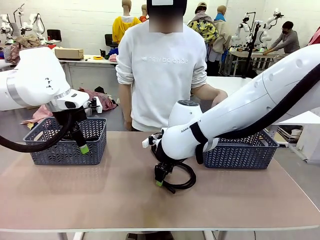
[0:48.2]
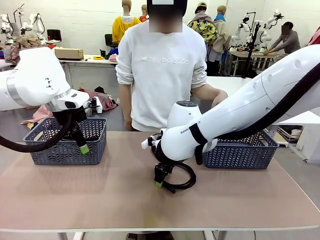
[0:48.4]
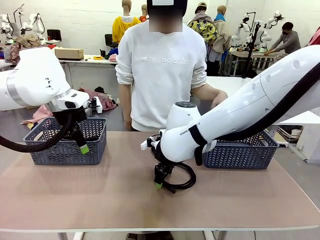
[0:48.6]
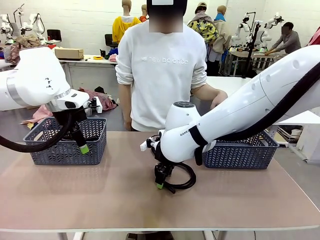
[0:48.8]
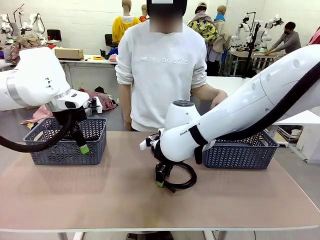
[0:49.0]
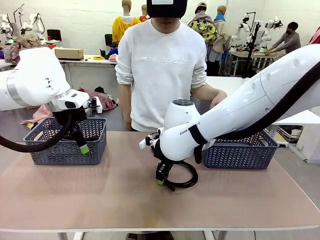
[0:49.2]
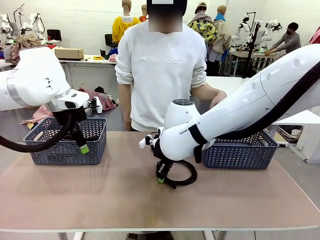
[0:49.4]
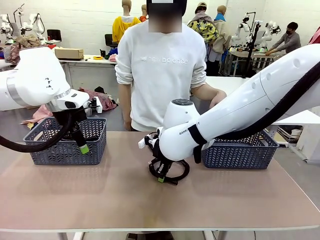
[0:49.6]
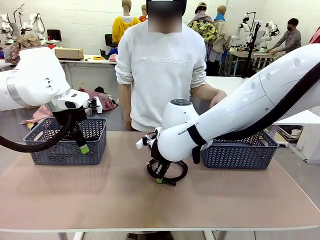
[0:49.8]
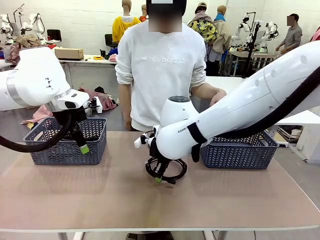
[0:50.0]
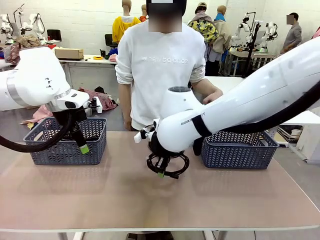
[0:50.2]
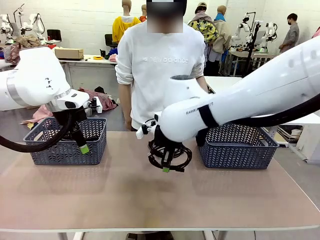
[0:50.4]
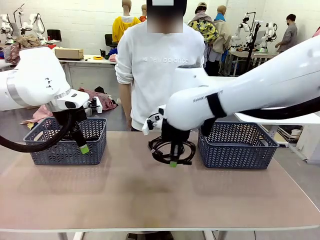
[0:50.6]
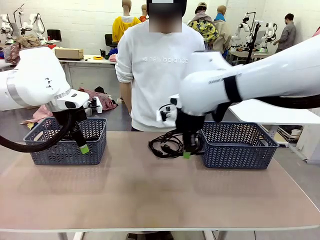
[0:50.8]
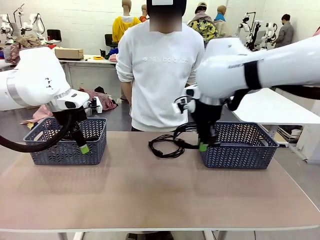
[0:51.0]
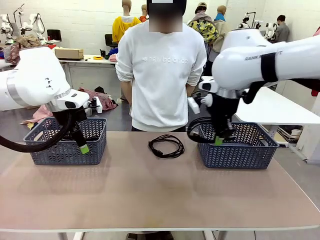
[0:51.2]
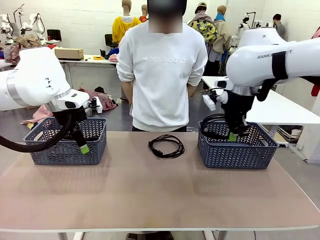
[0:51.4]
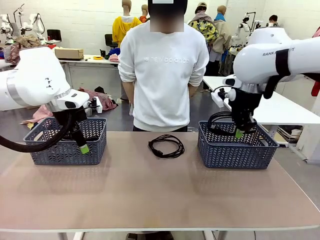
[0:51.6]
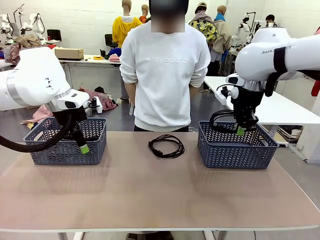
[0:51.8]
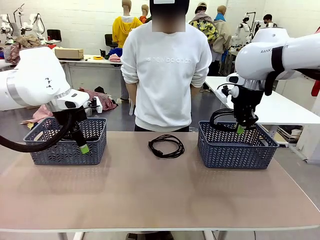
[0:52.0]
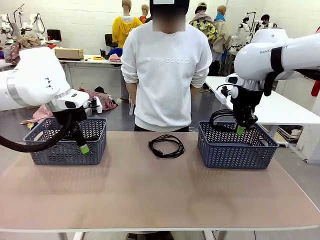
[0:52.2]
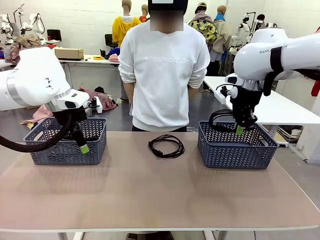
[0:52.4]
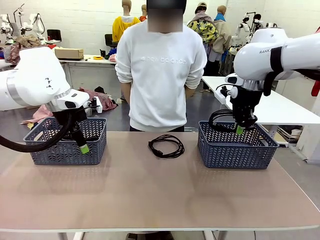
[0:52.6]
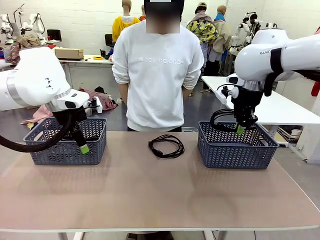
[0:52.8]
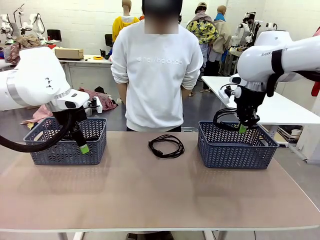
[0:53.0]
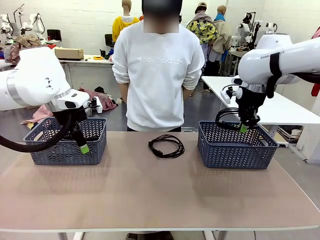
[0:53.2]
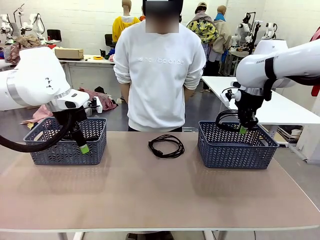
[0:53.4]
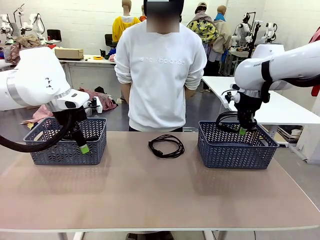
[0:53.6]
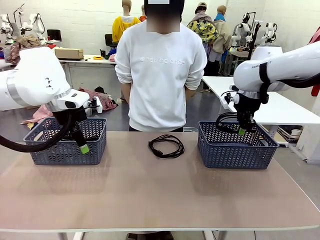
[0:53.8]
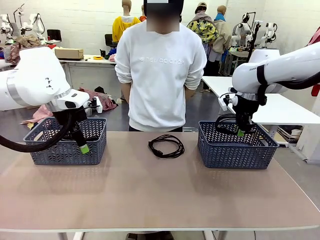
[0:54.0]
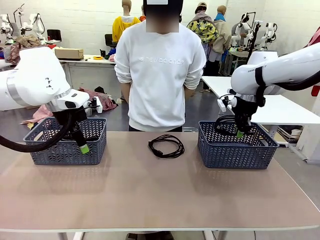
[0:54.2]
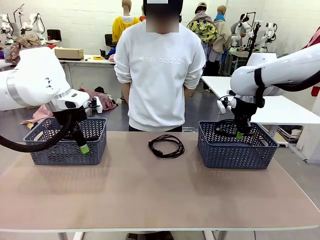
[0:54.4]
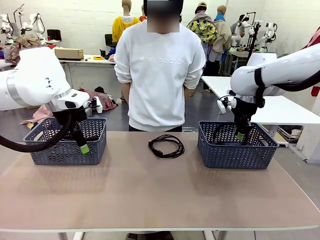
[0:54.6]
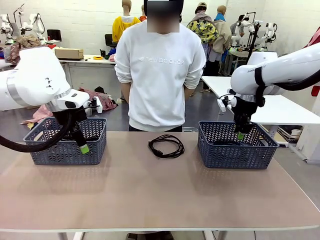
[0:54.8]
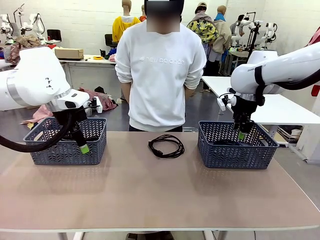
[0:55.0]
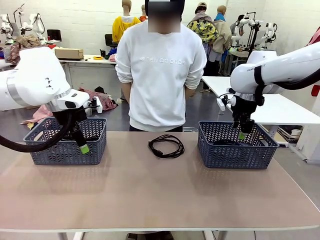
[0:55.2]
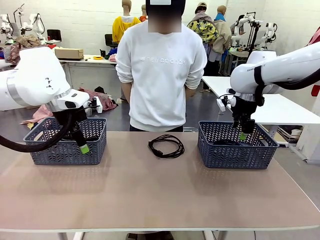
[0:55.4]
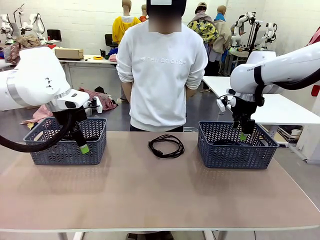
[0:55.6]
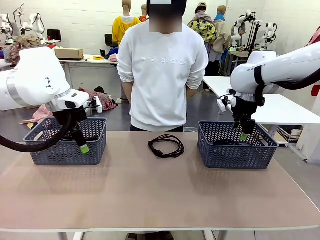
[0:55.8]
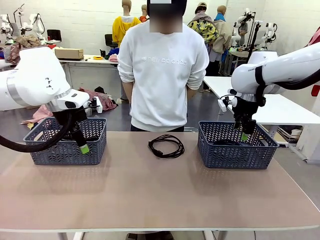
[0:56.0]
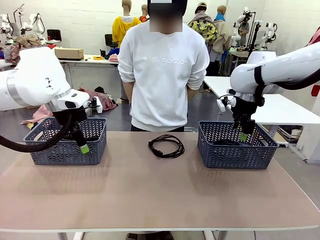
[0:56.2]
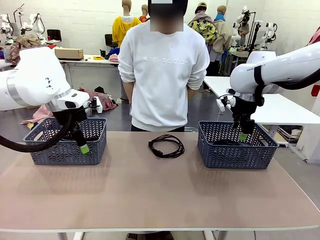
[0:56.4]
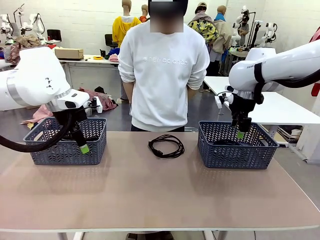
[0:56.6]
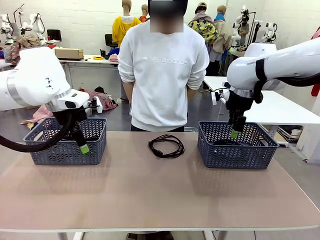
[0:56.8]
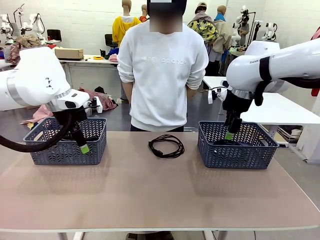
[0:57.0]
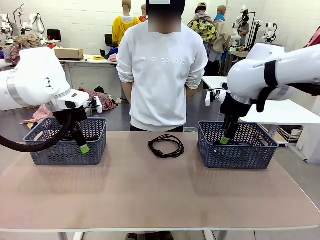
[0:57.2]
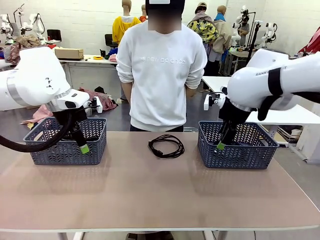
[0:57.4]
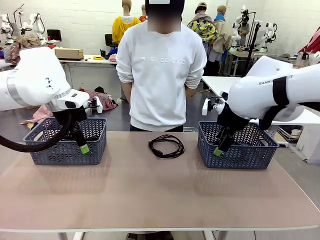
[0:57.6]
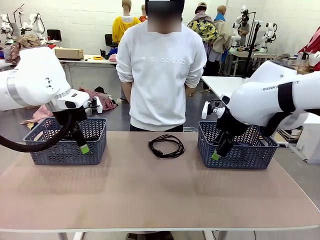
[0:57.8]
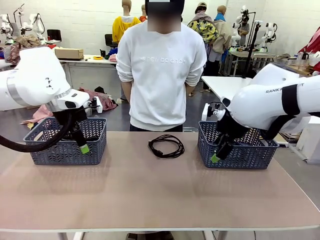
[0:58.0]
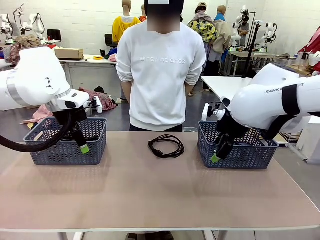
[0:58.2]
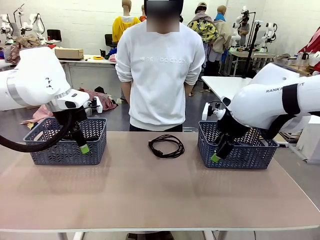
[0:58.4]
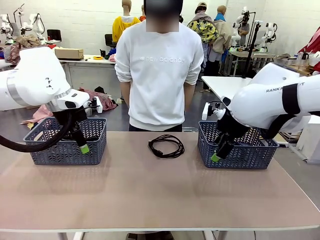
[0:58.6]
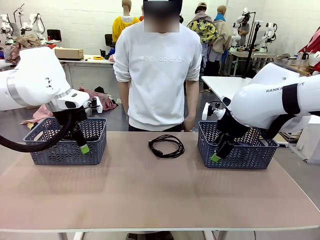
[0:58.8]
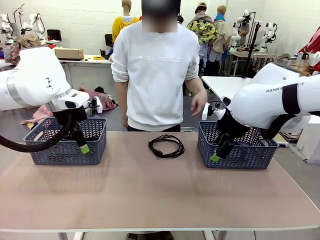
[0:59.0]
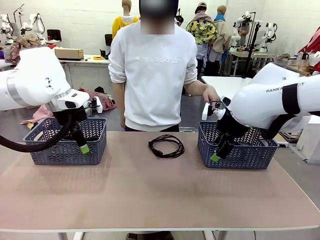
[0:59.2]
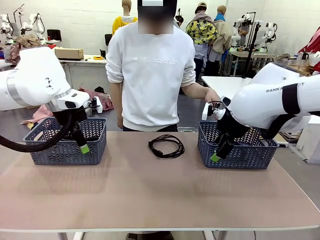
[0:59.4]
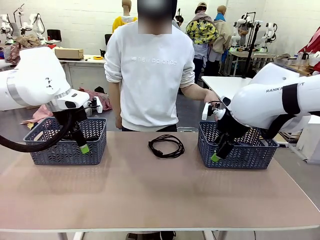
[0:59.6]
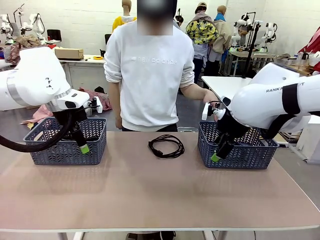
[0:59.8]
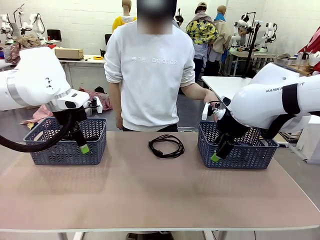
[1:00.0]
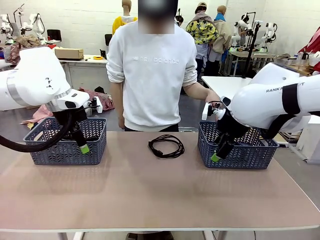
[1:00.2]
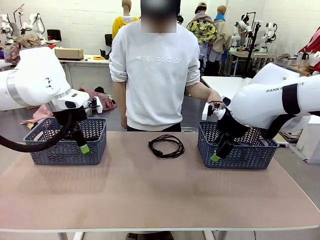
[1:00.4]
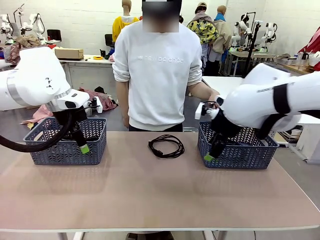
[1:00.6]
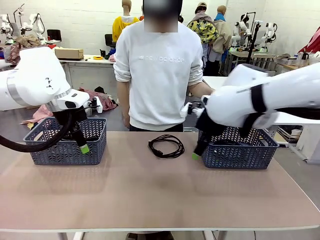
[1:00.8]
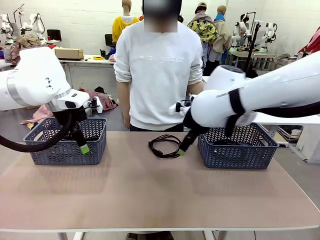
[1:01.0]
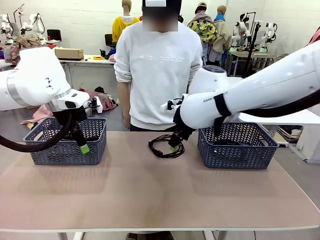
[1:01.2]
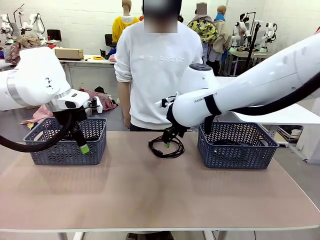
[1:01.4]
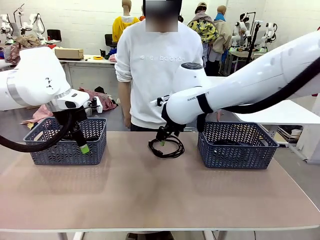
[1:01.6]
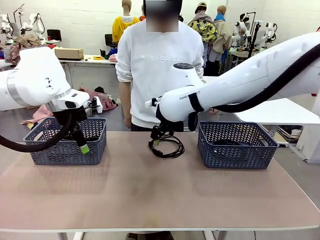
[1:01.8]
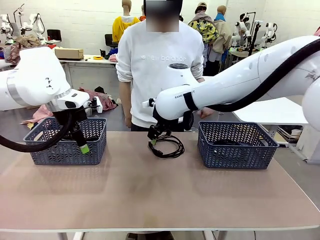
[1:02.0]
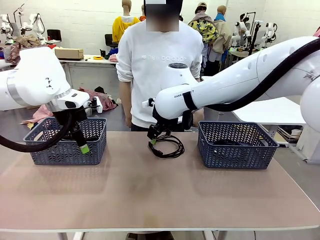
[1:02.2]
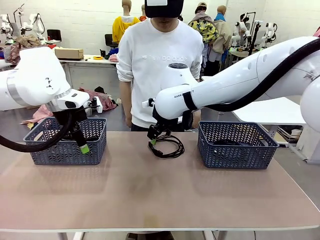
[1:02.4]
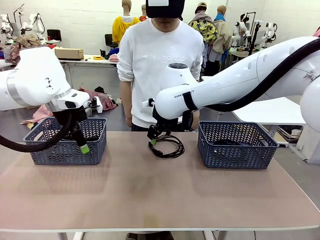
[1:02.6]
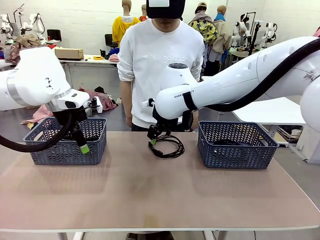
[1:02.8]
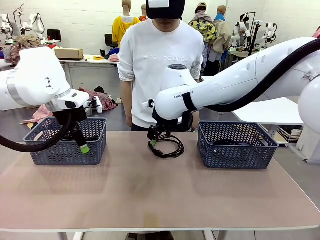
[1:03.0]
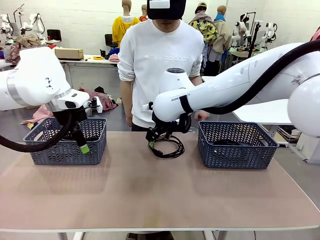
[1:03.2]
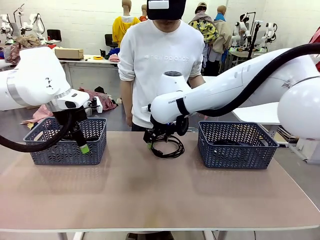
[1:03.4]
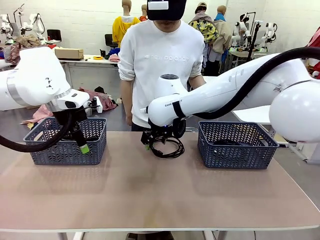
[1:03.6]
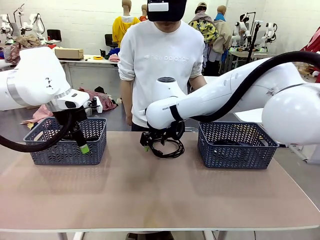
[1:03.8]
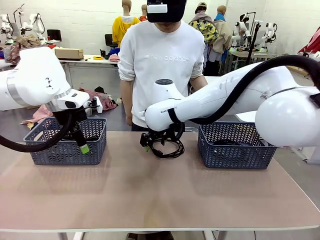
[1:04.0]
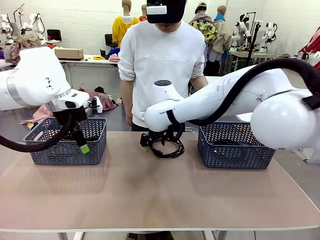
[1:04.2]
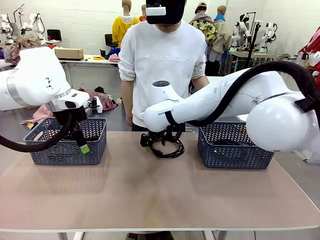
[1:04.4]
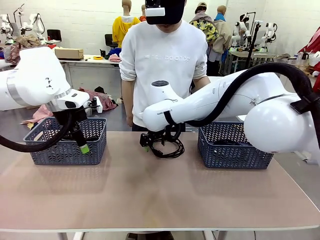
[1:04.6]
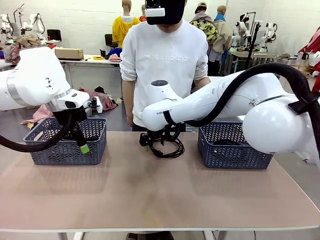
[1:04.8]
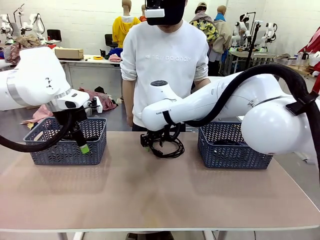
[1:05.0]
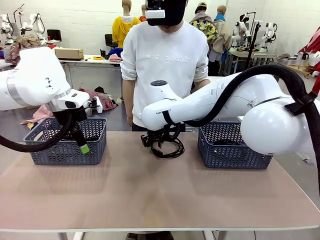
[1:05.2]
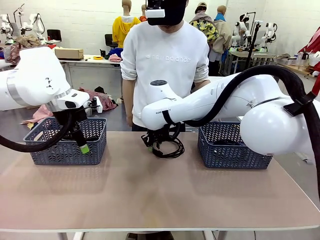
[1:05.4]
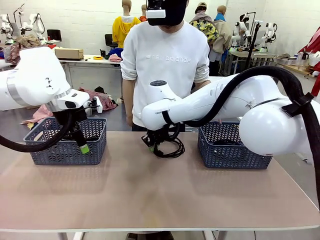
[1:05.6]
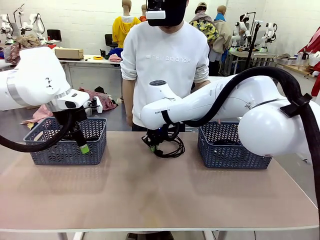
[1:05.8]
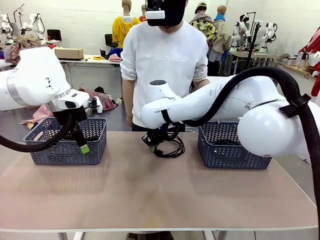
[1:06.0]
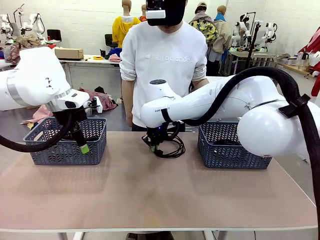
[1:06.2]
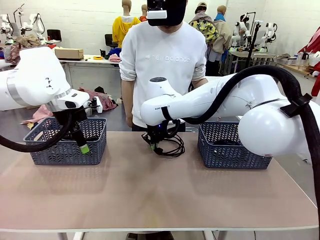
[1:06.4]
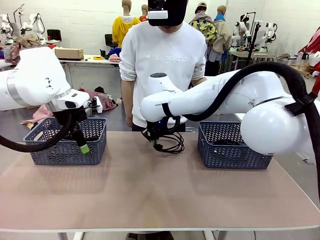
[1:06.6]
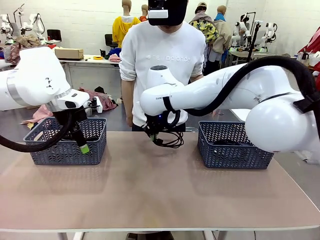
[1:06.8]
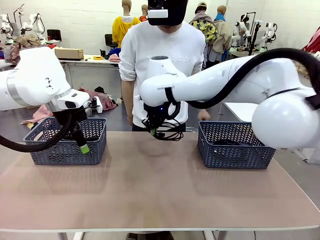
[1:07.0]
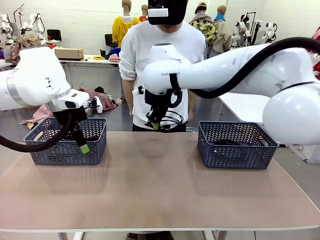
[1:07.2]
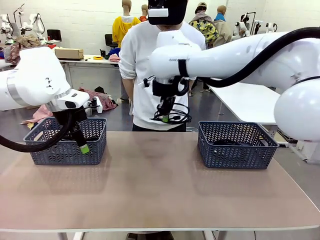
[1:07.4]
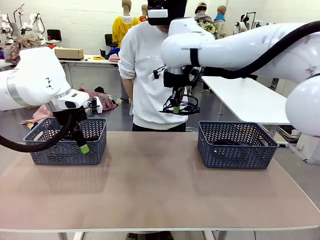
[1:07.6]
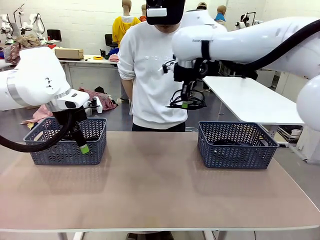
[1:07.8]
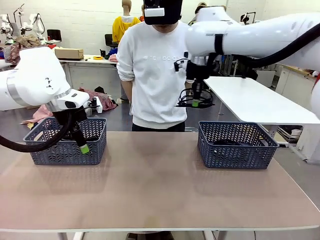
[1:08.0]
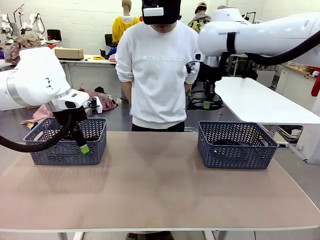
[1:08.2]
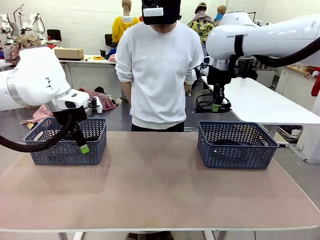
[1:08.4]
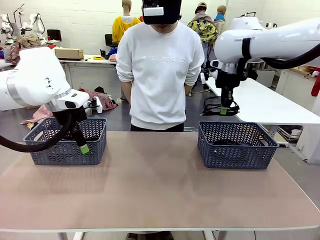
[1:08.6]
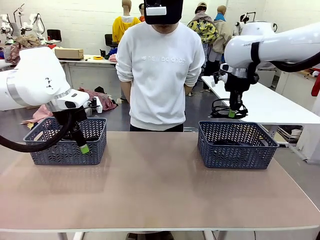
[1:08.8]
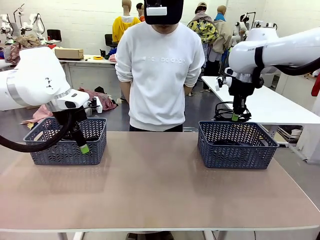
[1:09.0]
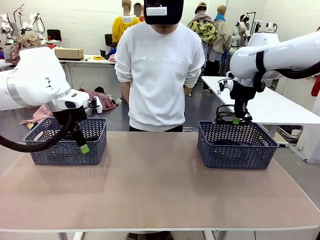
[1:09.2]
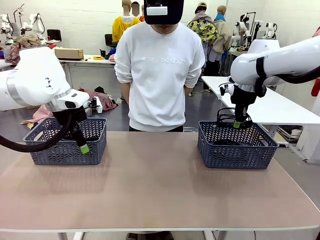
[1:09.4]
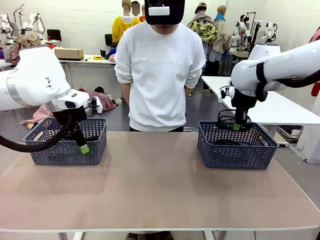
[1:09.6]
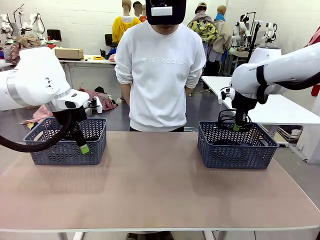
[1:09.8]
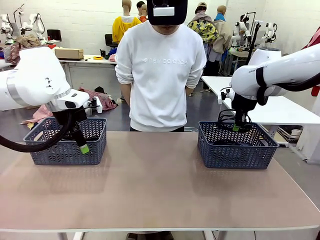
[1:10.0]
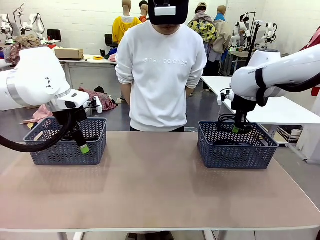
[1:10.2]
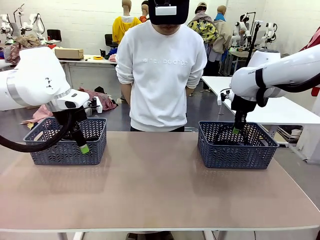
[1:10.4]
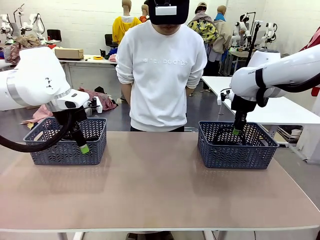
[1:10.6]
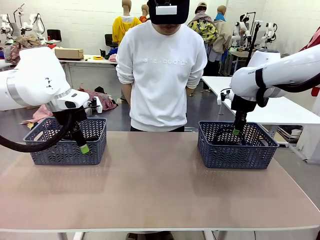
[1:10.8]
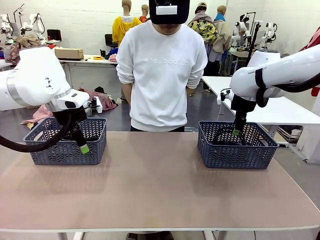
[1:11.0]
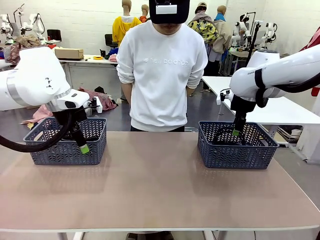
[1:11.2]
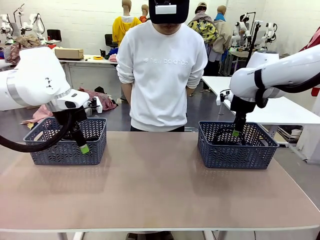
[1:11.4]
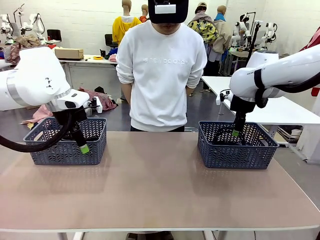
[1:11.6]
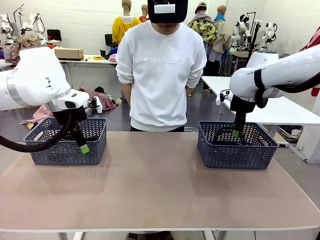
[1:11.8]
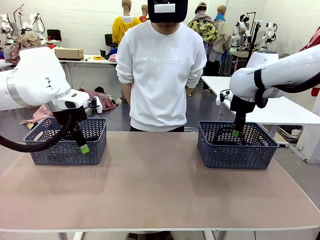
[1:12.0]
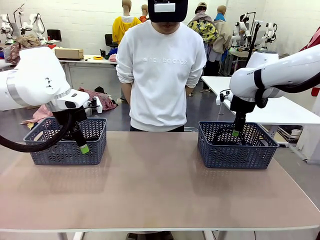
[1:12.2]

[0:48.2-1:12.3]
Task: Organize the cables according to human instructions.
Robot: Pick up a bundle of cables and place it in the basket indicated by the human.
